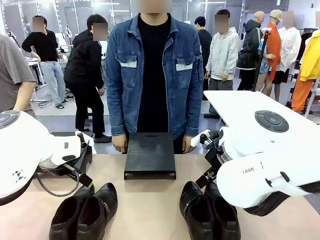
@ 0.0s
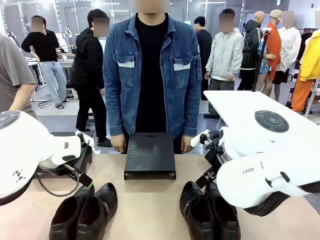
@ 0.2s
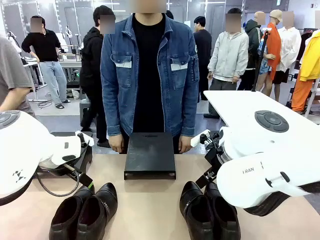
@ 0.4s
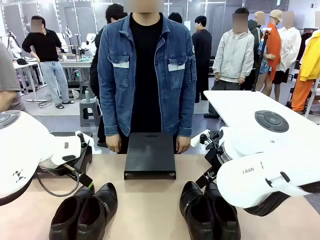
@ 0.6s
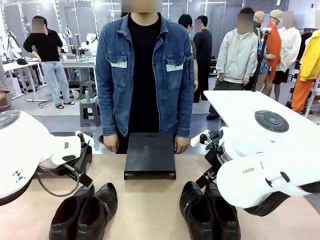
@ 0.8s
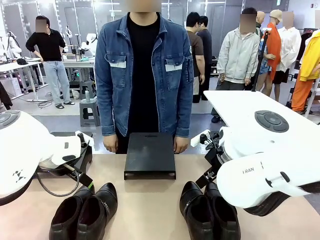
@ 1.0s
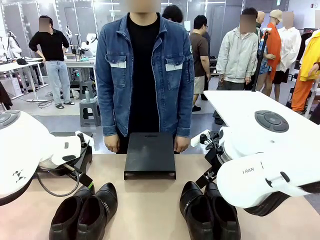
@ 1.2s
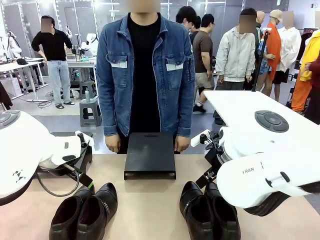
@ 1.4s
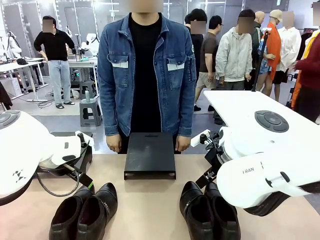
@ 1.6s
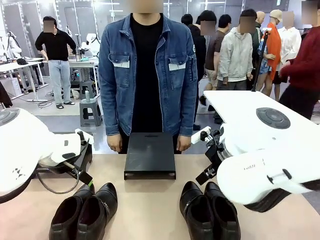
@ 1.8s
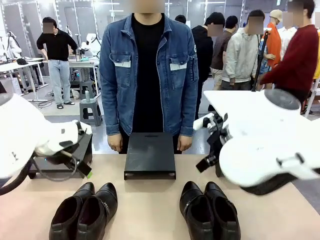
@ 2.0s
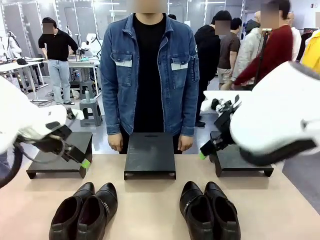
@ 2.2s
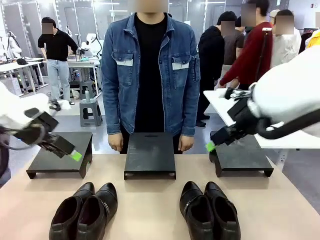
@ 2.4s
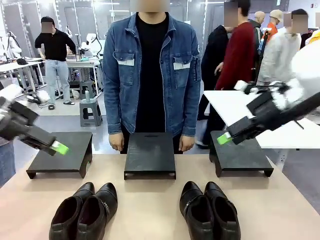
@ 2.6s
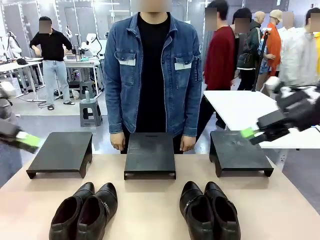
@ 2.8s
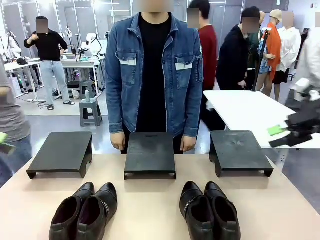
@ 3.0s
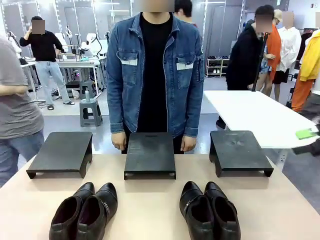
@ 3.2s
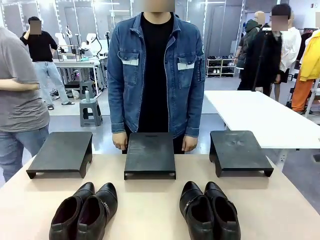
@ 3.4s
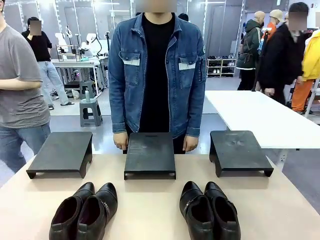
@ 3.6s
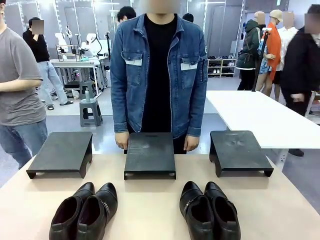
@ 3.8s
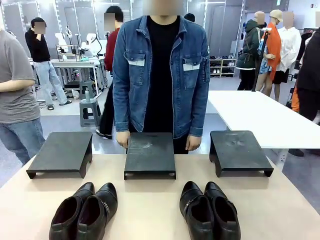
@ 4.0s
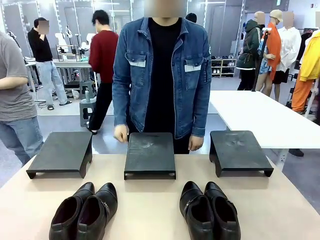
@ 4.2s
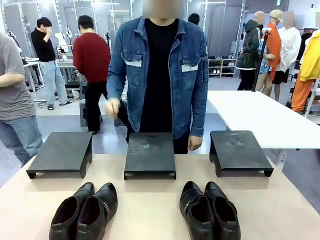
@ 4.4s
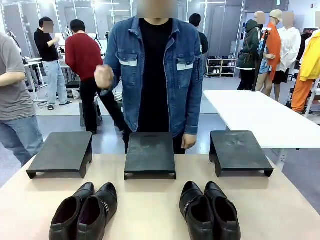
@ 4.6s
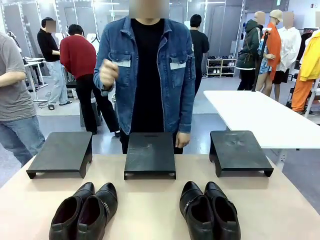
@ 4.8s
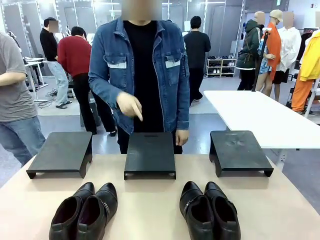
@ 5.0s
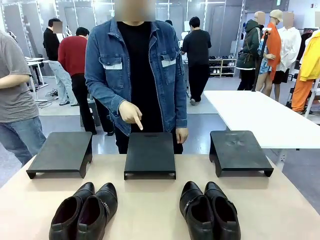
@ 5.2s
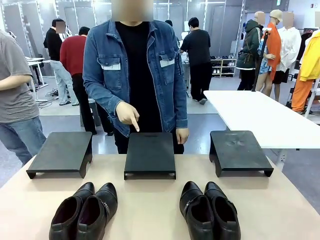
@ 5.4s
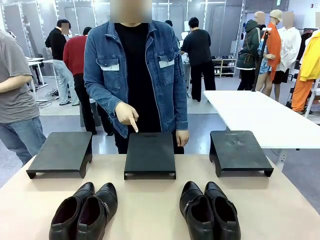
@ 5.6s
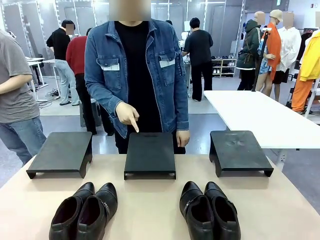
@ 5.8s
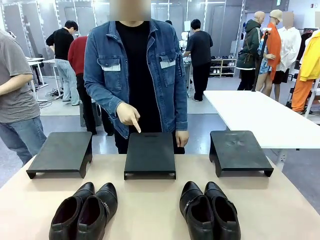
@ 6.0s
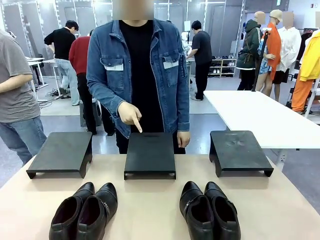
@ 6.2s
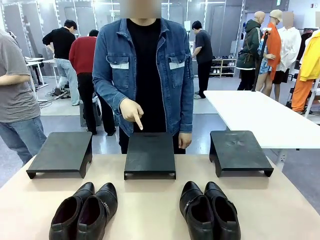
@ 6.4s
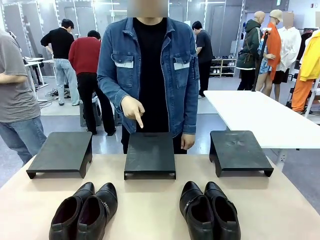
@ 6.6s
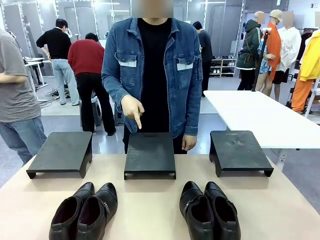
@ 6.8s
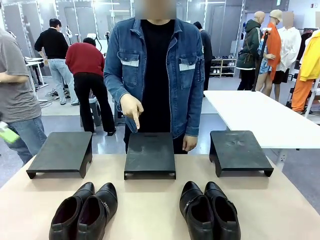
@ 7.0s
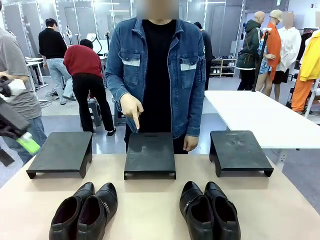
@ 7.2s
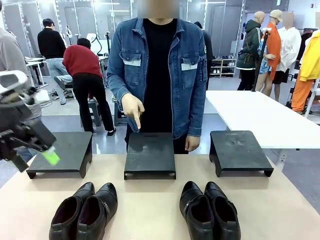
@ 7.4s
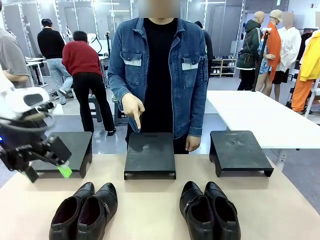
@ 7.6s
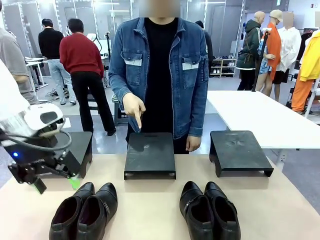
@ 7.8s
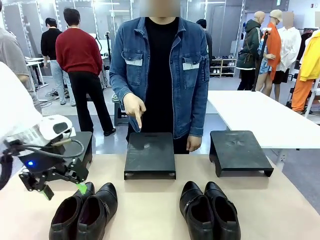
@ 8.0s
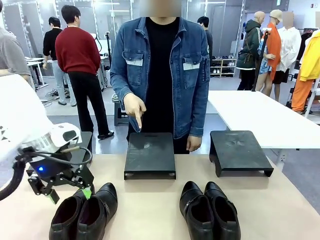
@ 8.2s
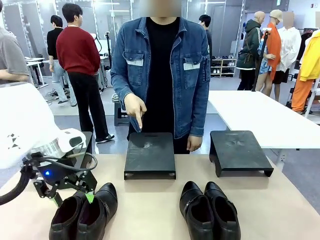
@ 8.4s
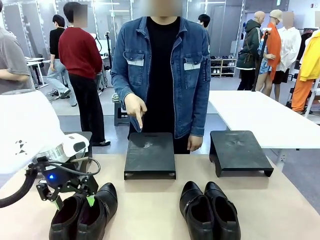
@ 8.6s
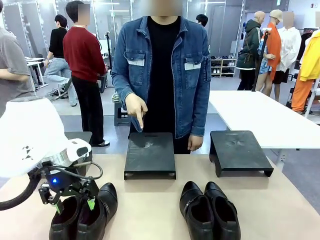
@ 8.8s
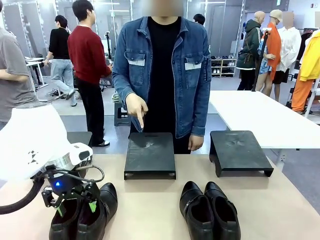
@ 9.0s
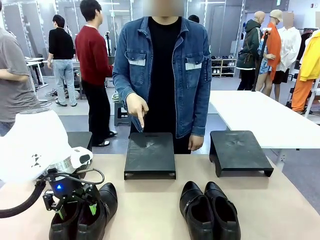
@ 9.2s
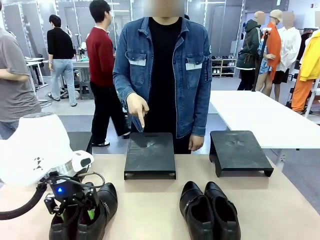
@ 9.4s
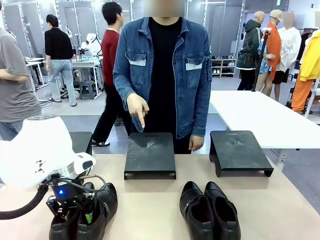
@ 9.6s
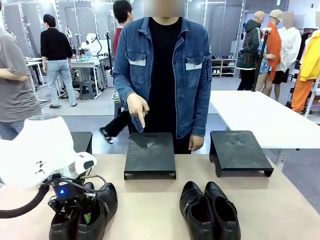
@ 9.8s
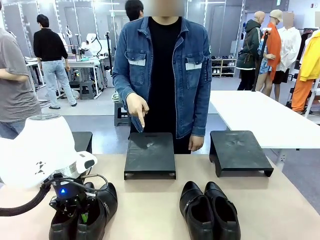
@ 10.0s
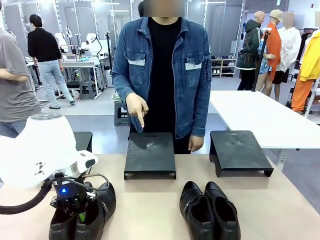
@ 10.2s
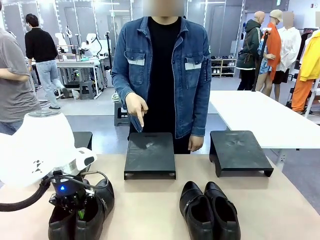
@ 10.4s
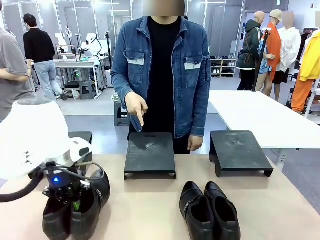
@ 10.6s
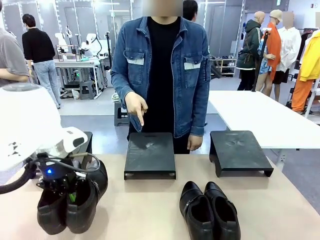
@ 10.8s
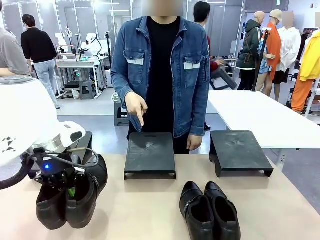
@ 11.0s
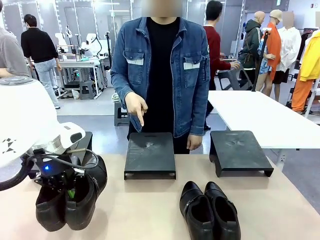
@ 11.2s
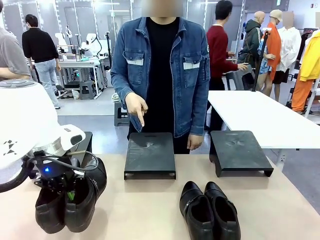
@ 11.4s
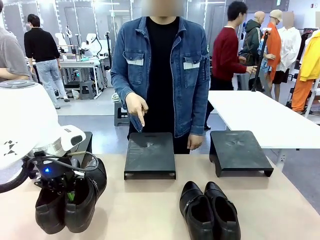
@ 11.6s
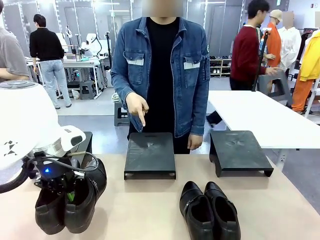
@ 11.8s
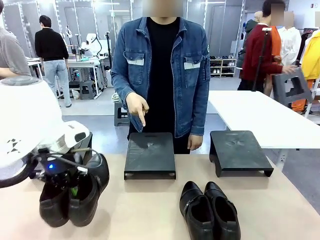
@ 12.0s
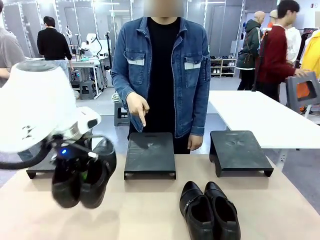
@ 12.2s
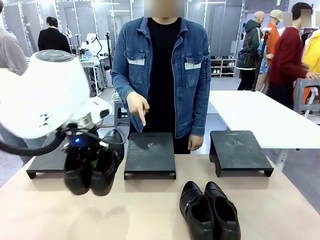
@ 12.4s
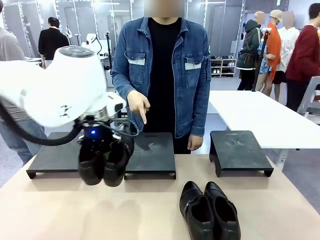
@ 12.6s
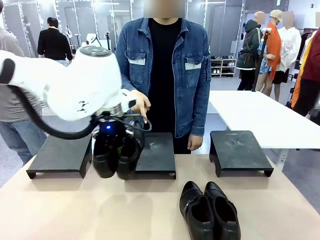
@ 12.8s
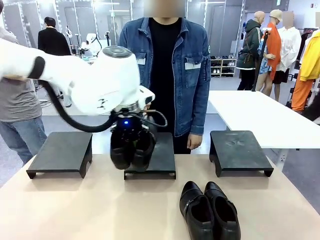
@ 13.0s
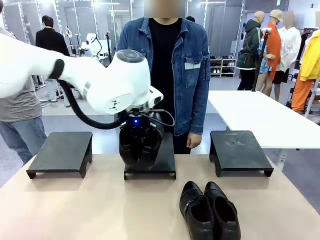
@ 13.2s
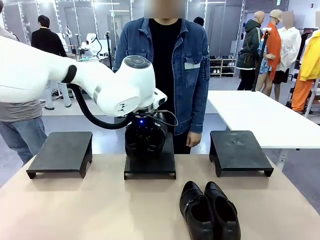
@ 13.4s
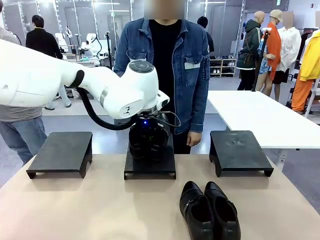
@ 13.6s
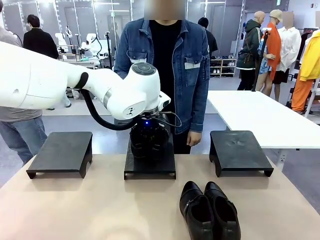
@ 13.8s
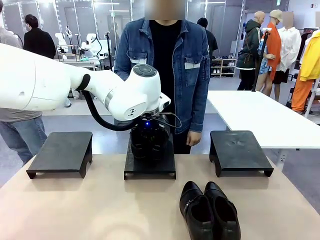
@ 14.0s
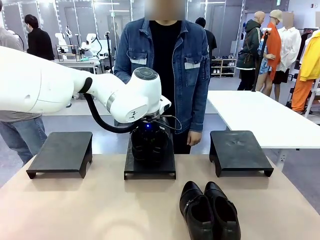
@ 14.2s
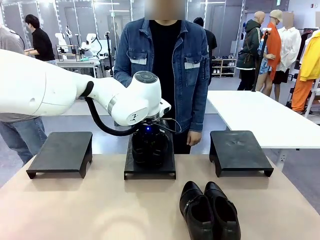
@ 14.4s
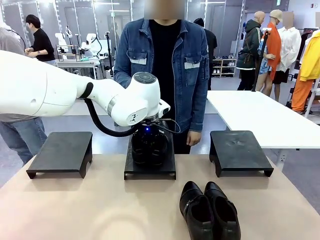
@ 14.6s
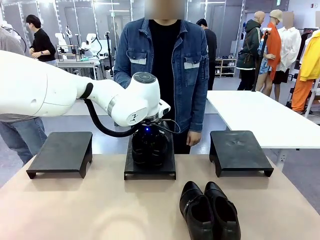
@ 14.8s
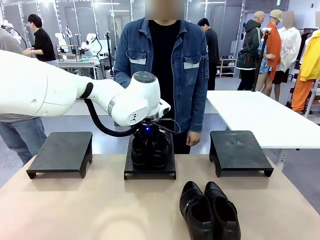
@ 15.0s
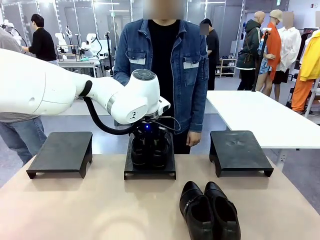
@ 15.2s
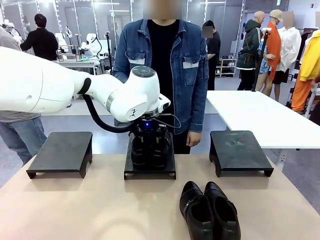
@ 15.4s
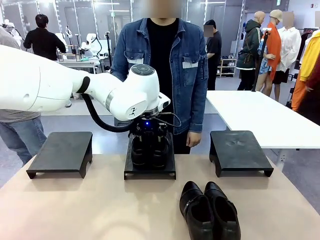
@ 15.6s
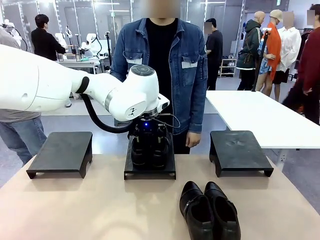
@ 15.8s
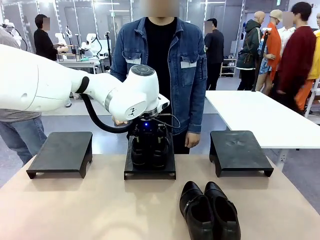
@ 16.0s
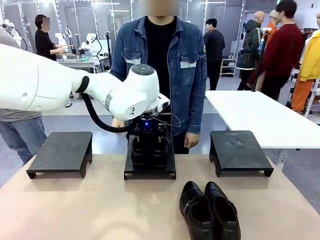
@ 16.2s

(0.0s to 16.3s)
Task: Place the shoes on the stand as instructed by the person.
Robot: Pick up one pair of Shoes and place it on the Shoes Stand indicated by the person.
